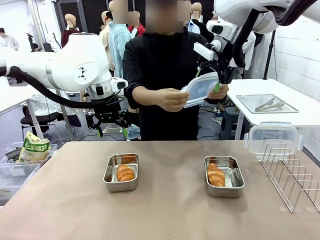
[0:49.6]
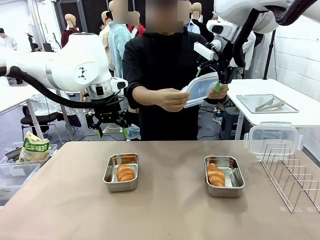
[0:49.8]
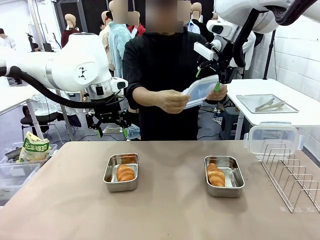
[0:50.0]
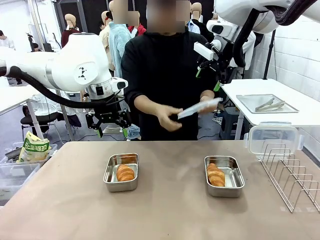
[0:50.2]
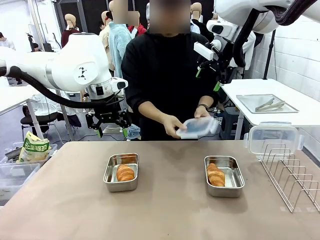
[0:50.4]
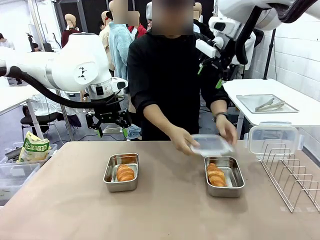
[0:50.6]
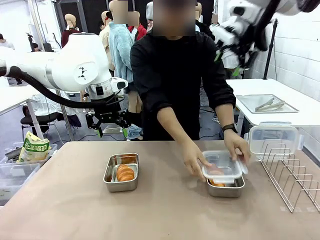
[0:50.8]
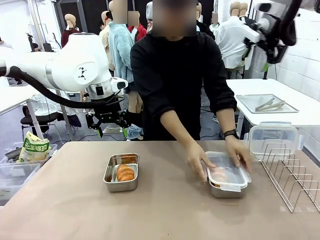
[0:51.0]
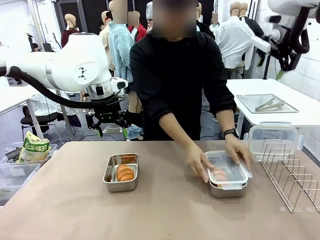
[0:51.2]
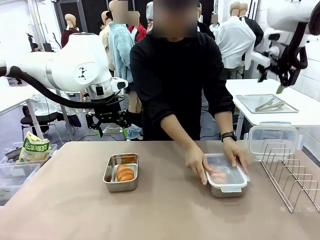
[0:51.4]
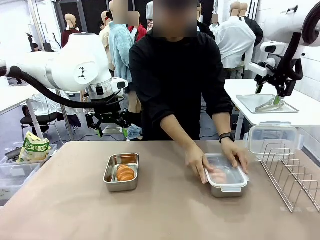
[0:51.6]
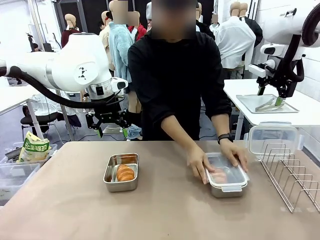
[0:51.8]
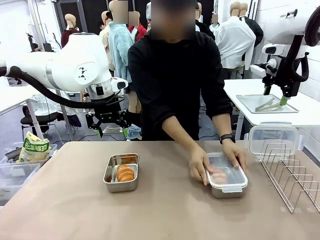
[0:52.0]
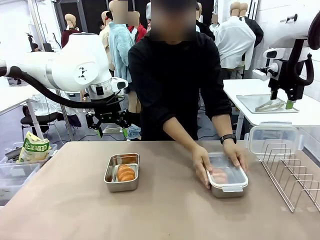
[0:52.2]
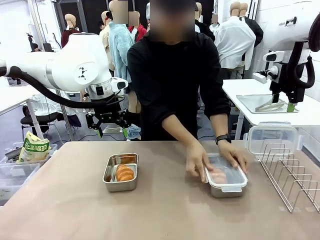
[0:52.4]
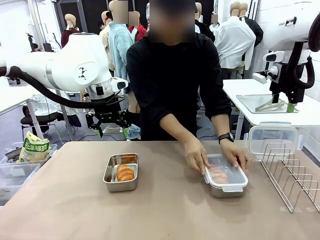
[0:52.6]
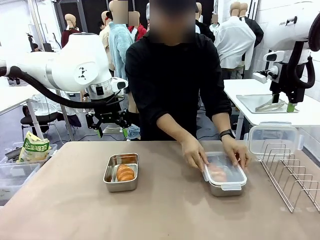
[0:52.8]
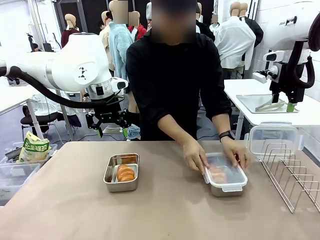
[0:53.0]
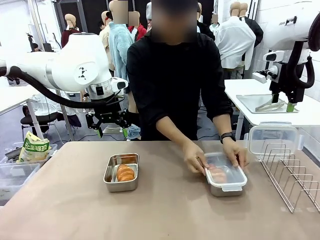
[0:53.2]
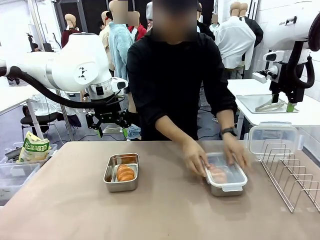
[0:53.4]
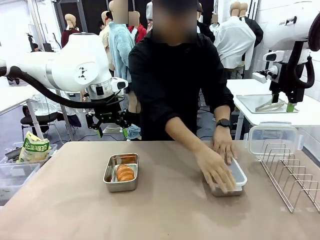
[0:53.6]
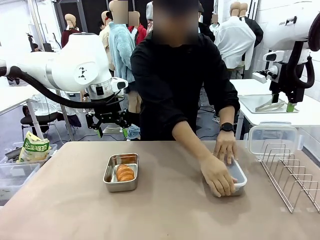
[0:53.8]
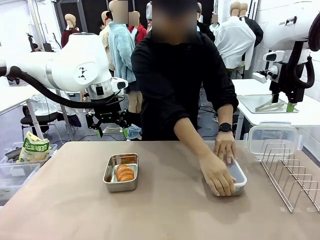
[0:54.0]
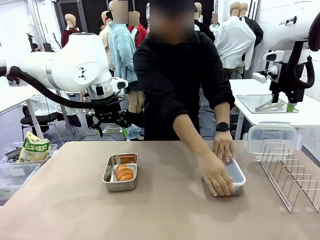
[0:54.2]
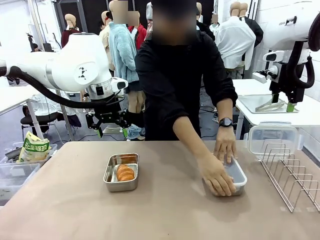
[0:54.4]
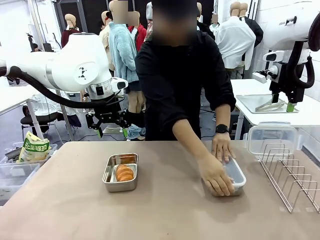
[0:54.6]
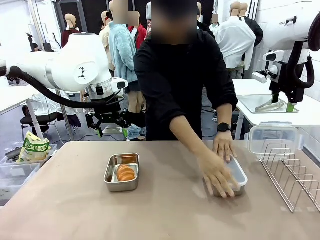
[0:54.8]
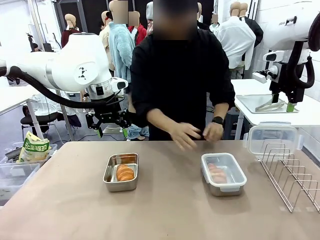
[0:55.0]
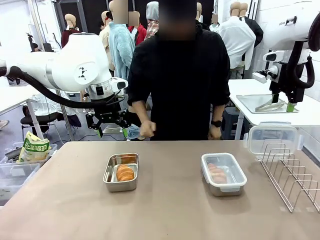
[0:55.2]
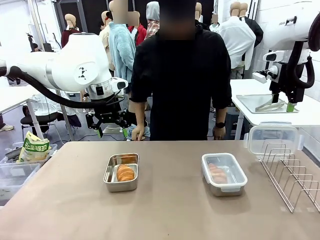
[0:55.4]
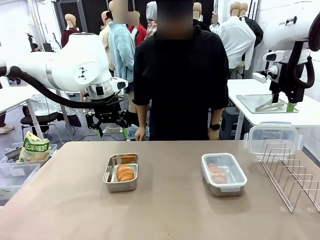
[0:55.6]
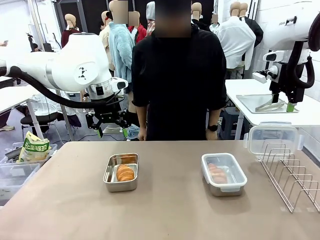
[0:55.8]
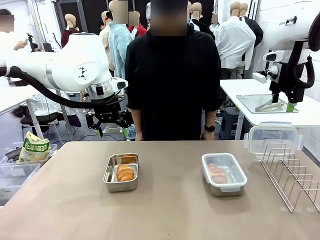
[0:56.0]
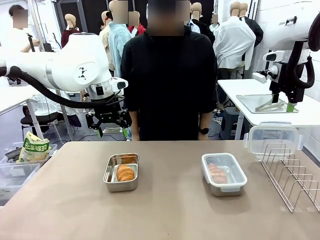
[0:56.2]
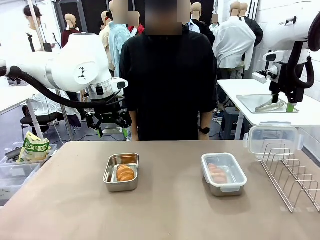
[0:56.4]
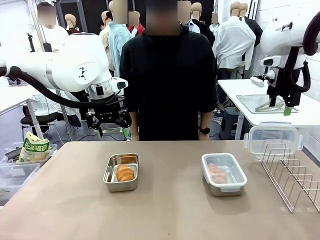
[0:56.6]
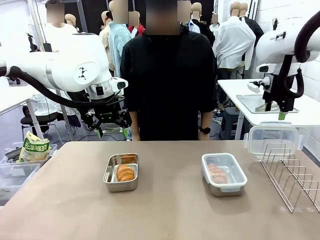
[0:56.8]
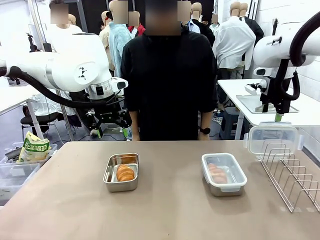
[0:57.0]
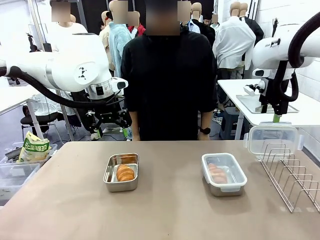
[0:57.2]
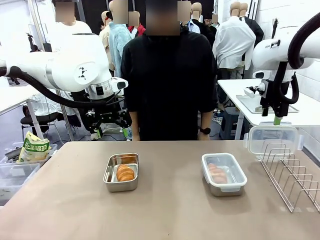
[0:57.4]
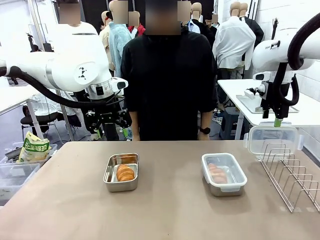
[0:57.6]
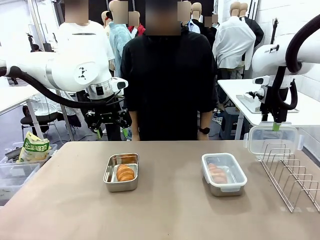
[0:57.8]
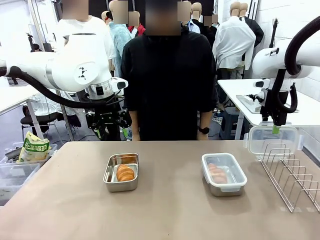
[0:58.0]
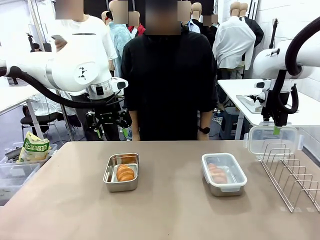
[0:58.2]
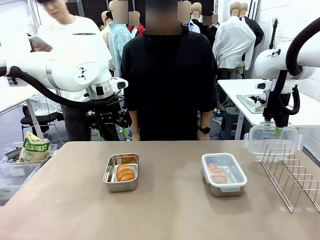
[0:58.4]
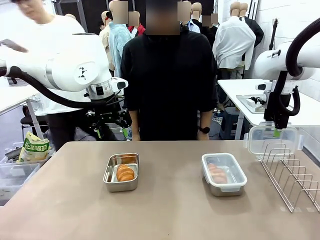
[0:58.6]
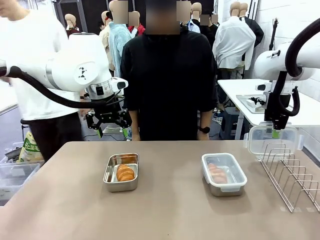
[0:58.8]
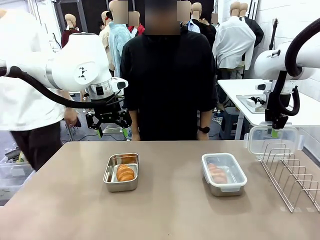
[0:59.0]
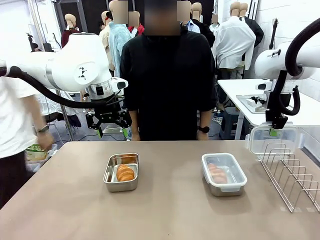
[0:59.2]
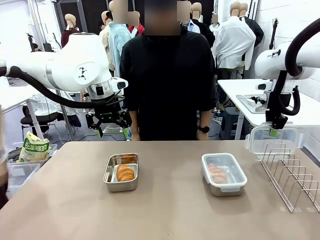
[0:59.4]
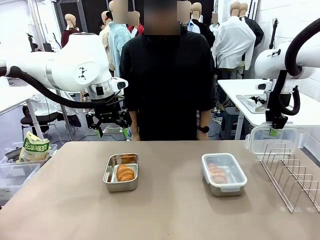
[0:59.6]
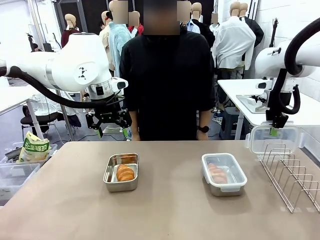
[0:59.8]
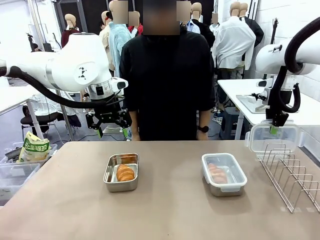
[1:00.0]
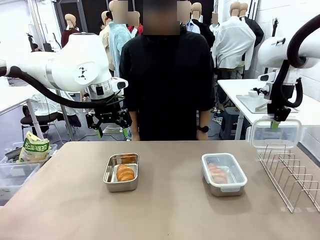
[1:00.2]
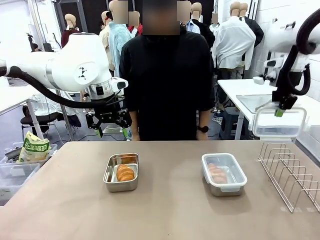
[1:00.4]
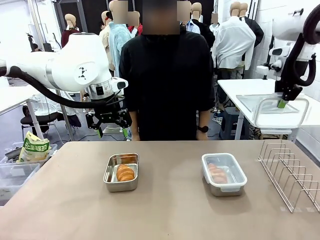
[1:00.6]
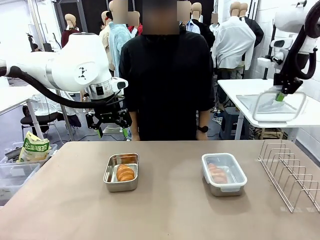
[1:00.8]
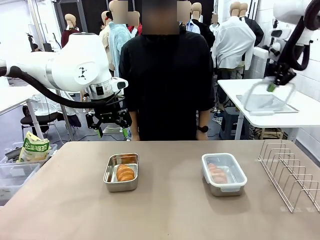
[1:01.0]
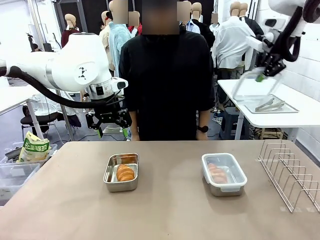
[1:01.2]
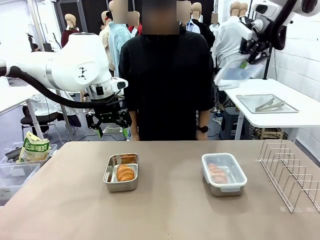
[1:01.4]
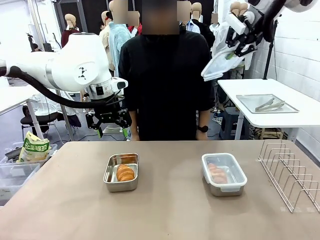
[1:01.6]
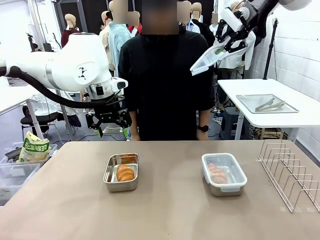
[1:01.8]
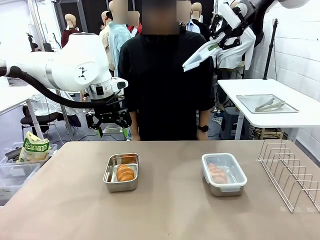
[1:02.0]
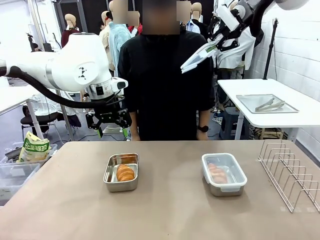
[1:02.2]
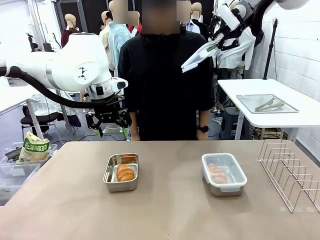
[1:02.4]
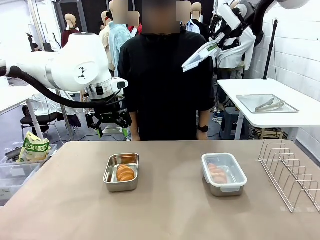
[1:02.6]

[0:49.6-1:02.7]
Task: Place the bread in airtight containers.
Robot: Pick up one Airtight Container lid and hand it to the human.
Person: Close Airtight Container with a handed Airtight Container lid. Grip Airtight Container lid that robot is handing.

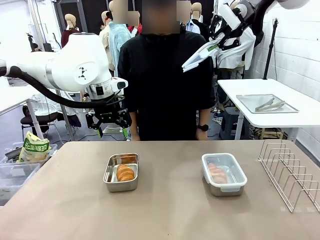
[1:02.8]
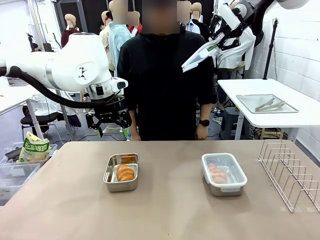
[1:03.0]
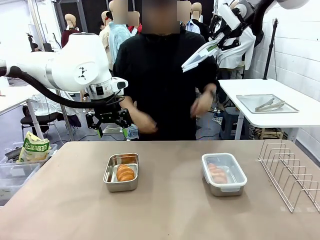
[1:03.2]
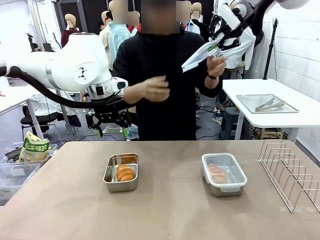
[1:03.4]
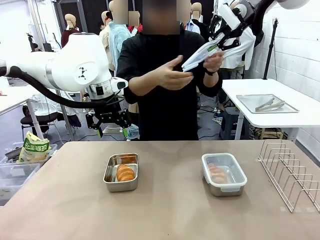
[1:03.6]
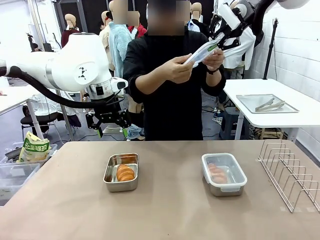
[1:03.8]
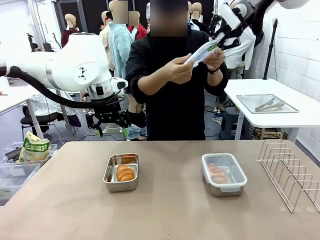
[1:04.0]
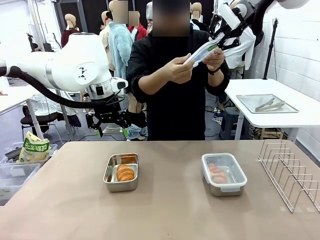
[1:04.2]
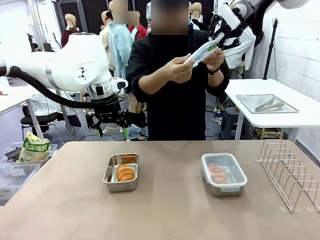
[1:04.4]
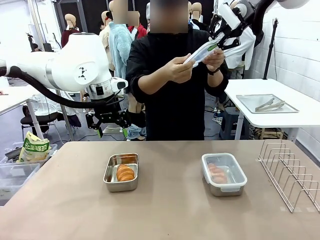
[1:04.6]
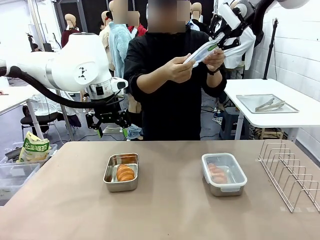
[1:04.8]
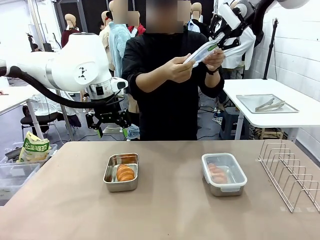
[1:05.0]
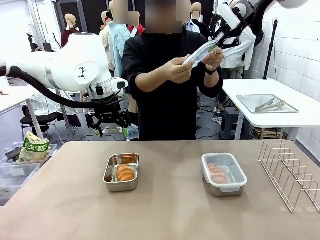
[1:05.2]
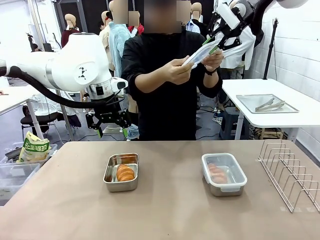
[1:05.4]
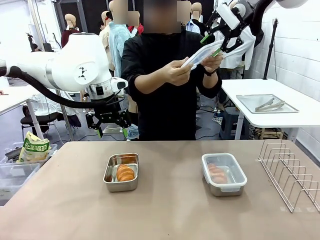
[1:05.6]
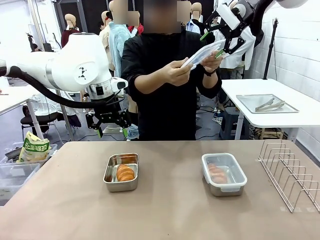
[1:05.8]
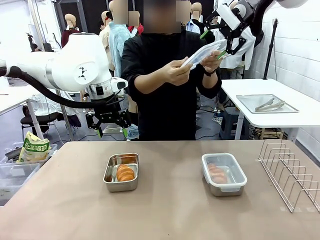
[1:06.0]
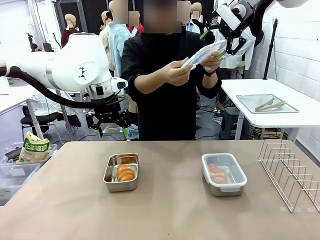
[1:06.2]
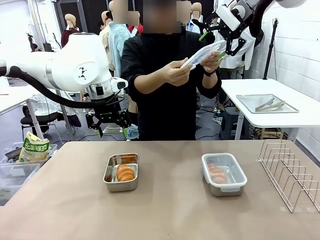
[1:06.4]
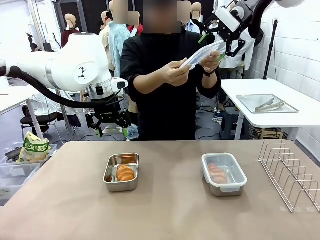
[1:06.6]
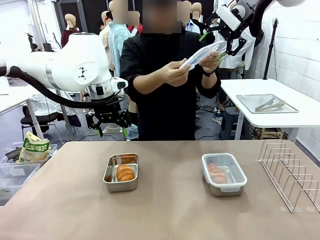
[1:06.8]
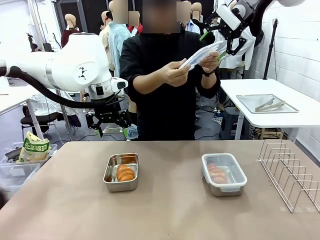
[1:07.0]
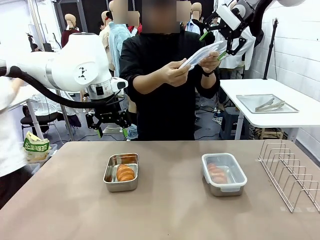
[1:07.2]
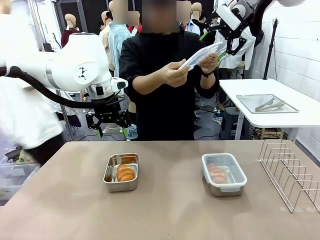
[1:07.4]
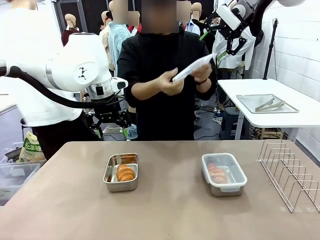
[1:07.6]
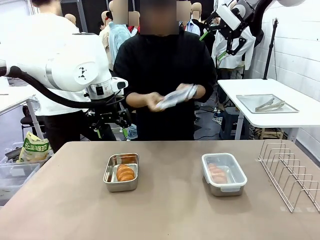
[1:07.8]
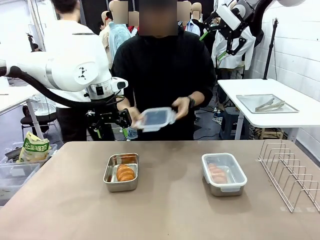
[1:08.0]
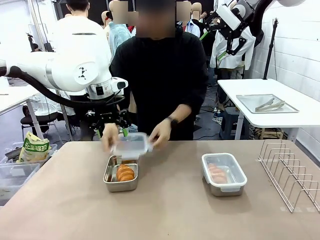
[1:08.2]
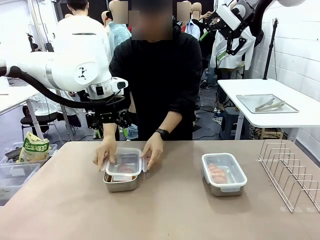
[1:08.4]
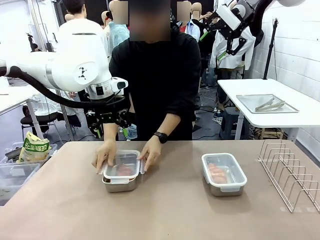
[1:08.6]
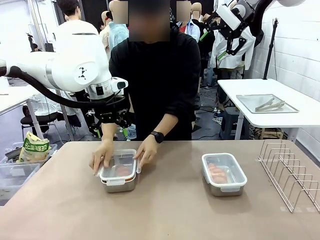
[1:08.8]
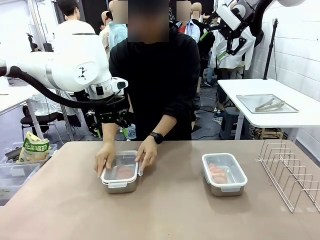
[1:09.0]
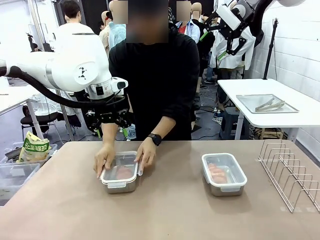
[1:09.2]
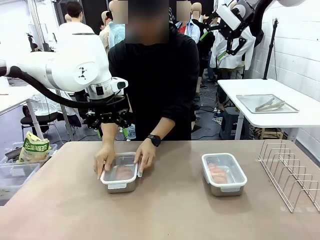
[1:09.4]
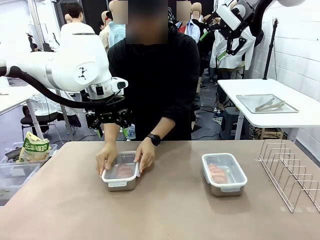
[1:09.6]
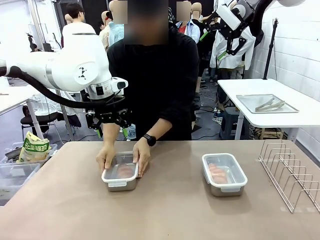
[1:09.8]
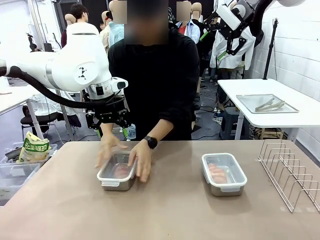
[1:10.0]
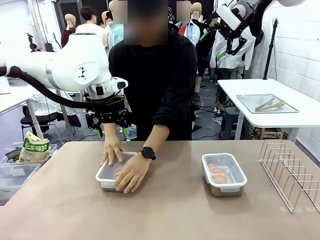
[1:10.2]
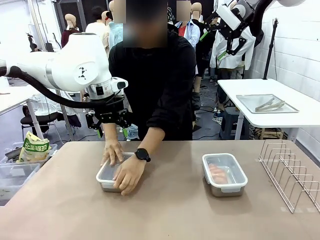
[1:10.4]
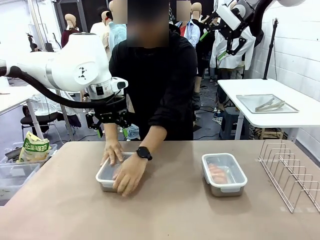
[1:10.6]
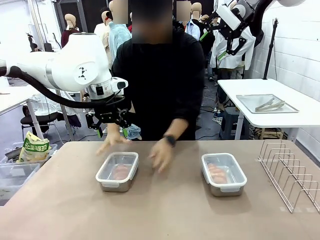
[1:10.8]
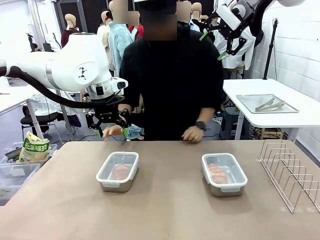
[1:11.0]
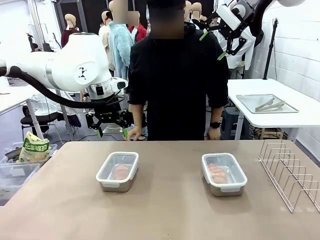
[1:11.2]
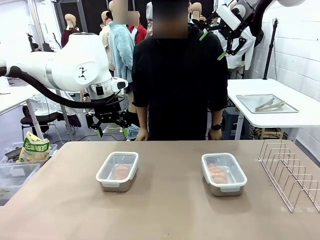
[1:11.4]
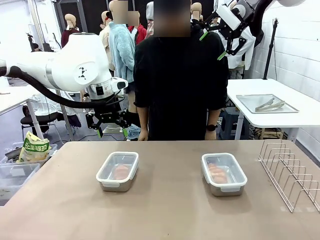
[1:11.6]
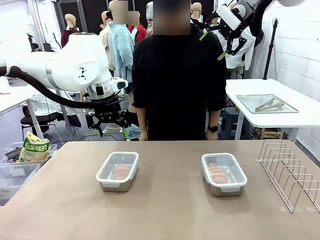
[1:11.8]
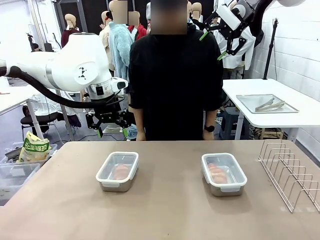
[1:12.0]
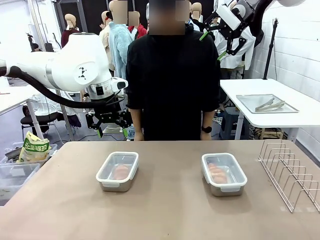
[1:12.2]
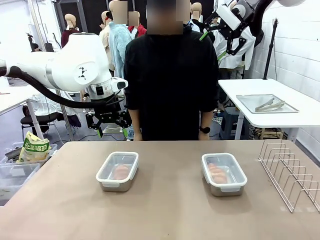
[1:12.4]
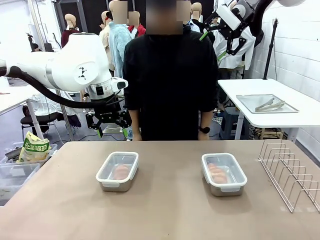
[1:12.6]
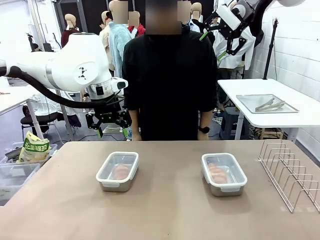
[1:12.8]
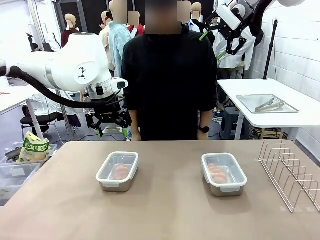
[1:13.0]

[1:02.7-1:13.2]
Robot: Release when the human grabs the Airtight Container lid.
Person: Close Airtight Container with a handed Airtight Container lid.
